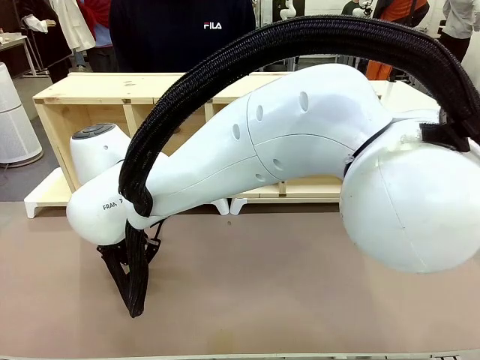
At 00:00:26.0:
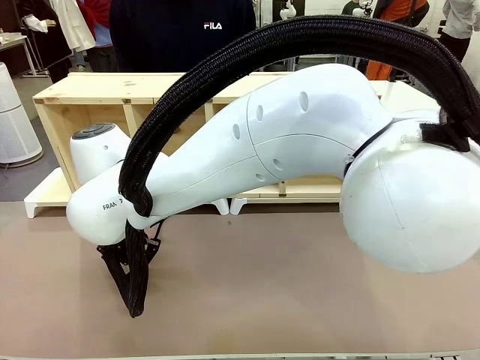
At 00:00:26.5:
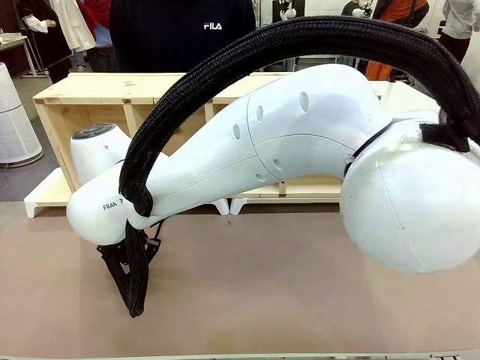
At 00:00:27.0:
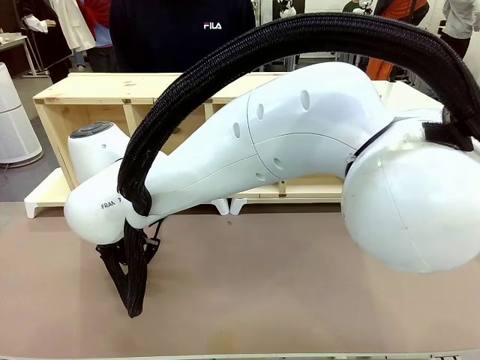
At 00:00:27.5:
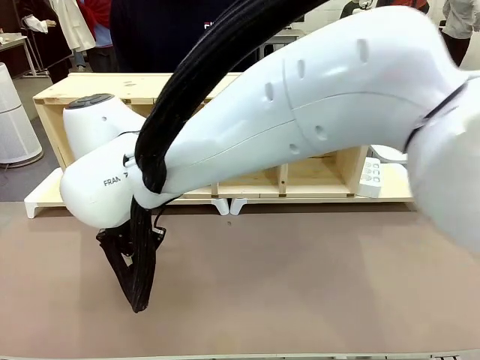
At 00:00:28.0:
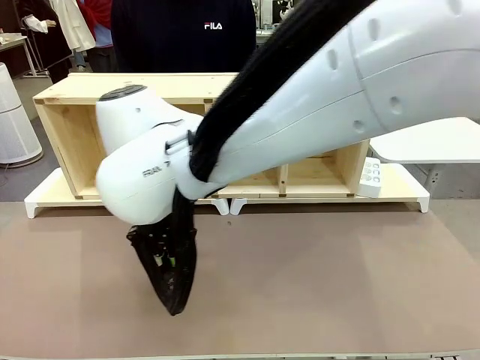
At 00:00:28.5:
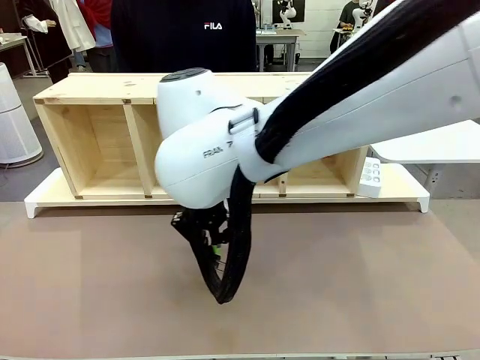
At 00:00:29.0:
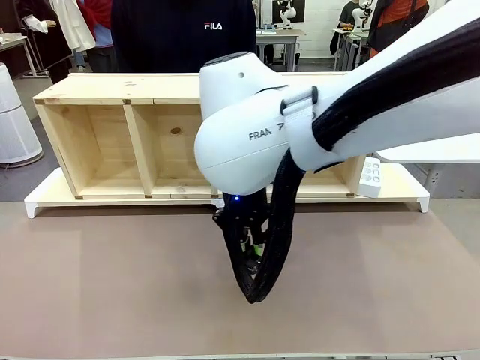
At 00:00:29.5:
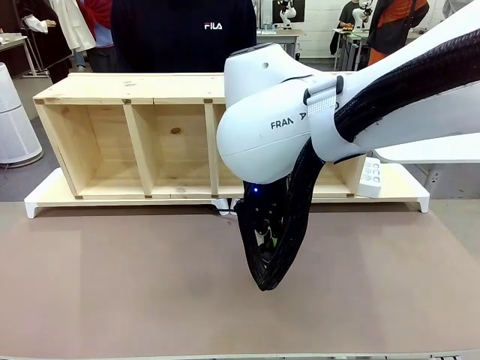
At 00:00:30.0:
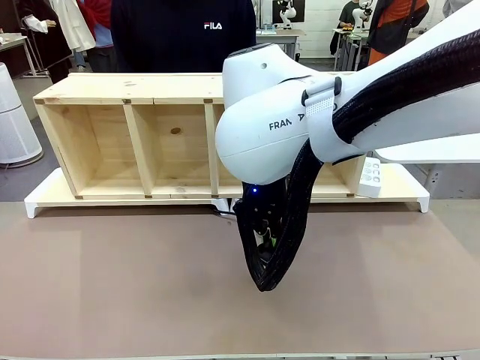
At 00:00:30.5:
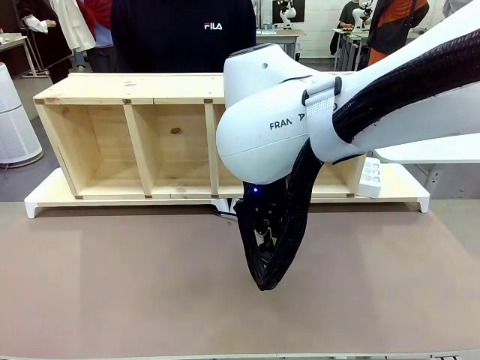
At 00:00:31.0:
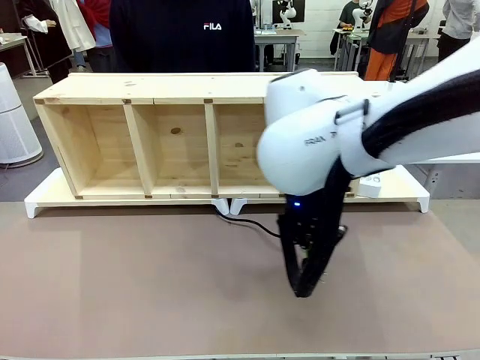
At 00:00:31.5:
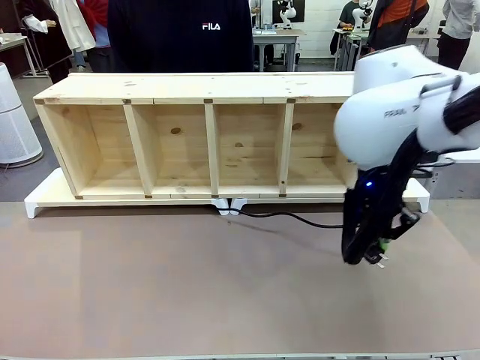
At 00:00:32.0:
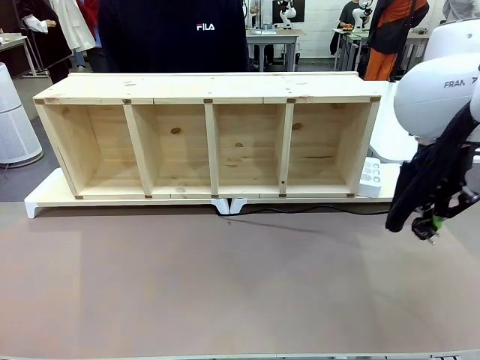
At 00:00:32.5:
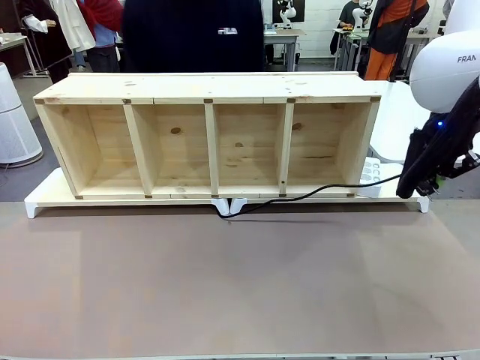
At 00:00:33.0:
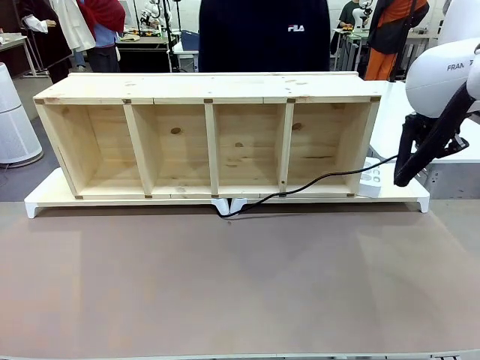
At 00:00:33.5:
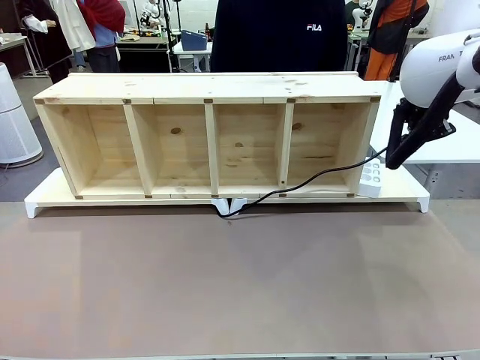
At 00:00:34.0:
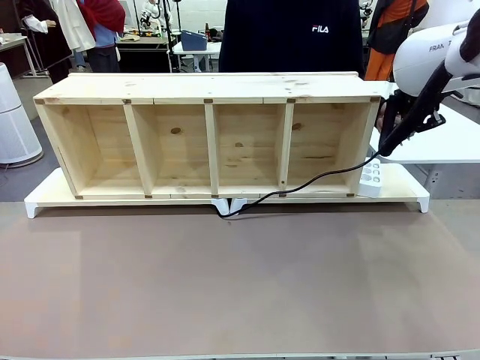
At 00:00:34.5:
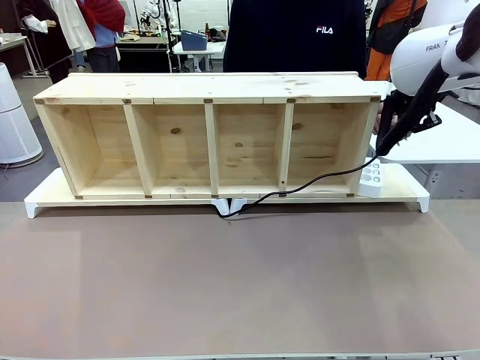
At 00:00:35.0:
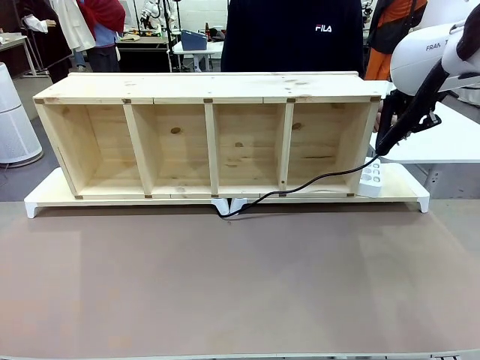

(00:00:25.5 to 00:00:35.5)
Task: Perform cable management.
Robot: Pull the grasped Power Cable to the location of the Power Strip.

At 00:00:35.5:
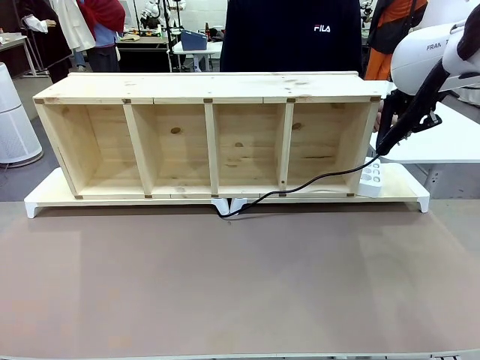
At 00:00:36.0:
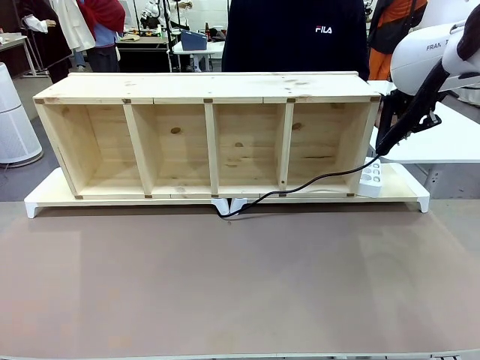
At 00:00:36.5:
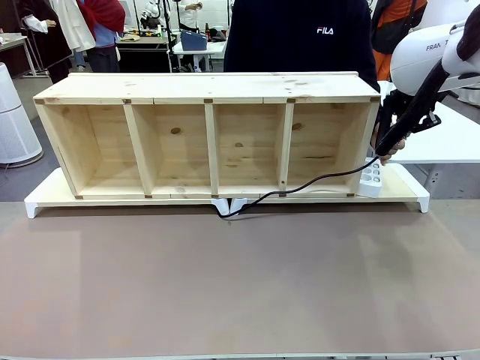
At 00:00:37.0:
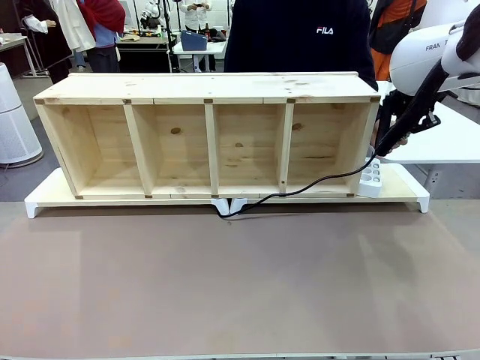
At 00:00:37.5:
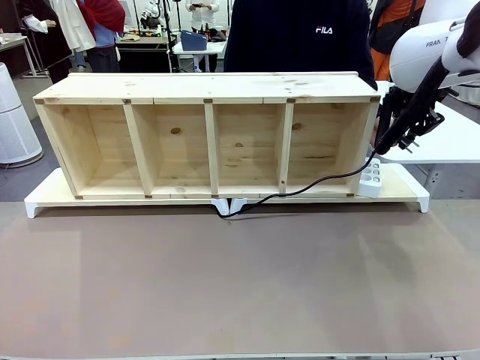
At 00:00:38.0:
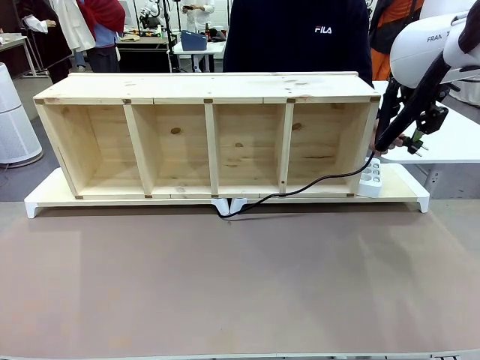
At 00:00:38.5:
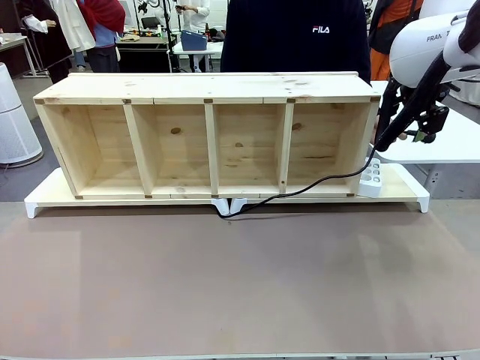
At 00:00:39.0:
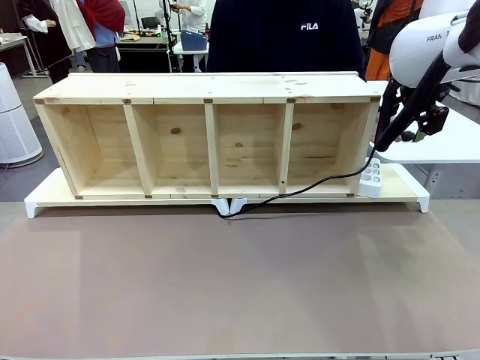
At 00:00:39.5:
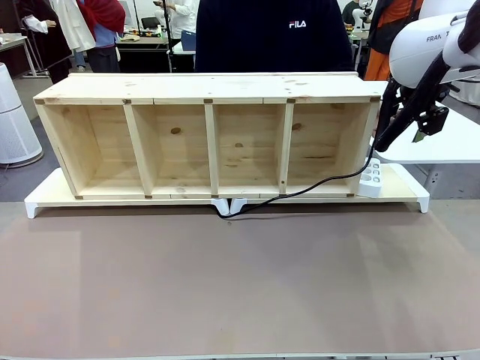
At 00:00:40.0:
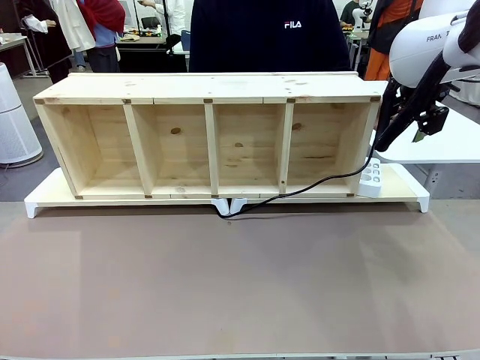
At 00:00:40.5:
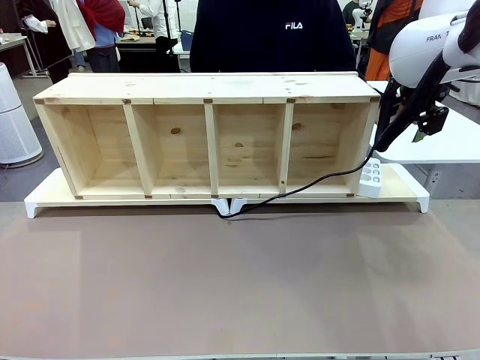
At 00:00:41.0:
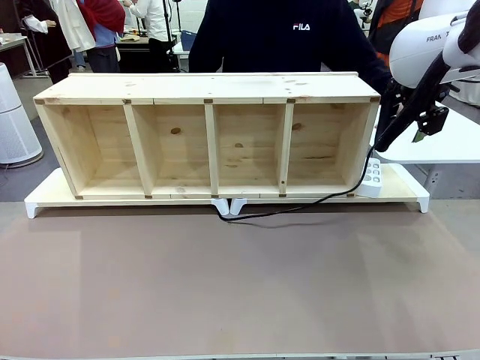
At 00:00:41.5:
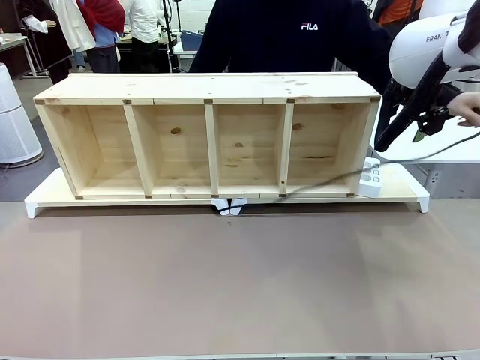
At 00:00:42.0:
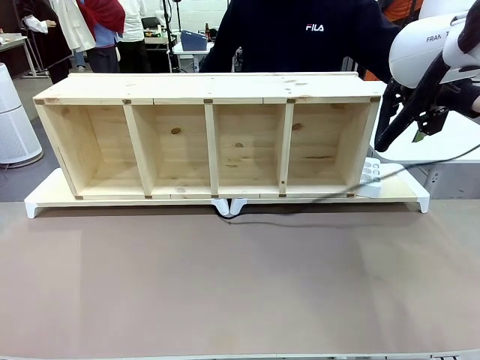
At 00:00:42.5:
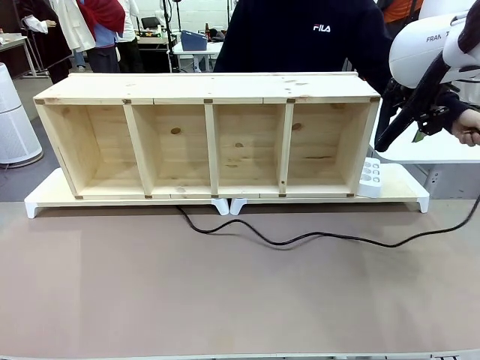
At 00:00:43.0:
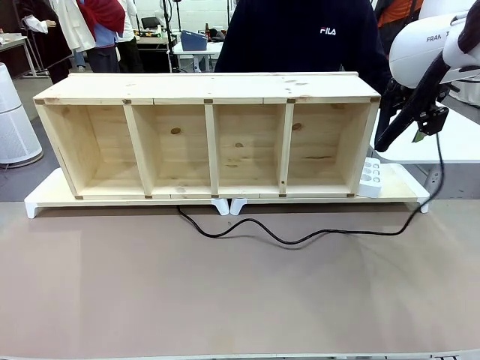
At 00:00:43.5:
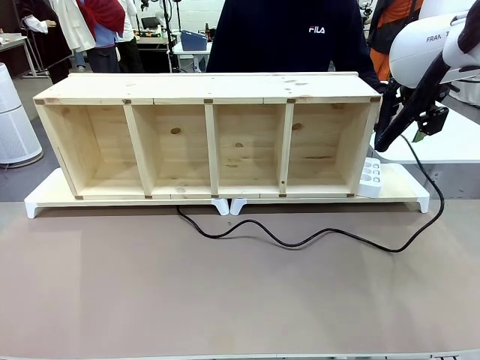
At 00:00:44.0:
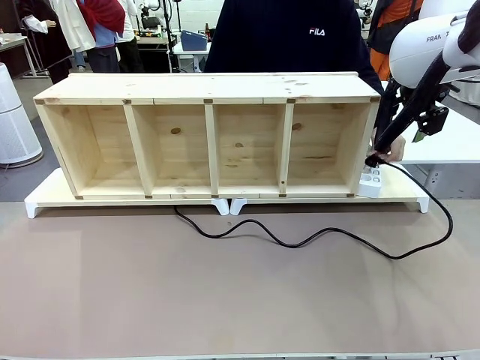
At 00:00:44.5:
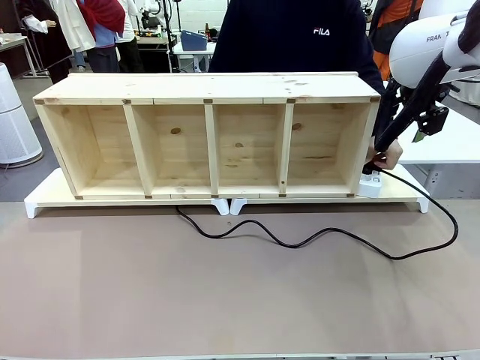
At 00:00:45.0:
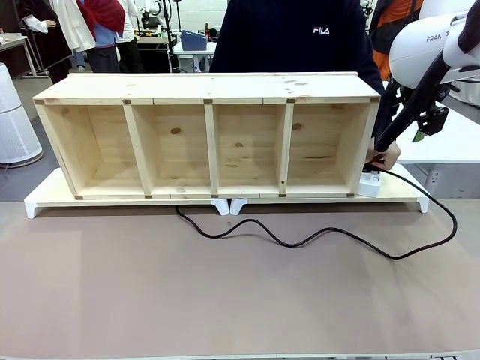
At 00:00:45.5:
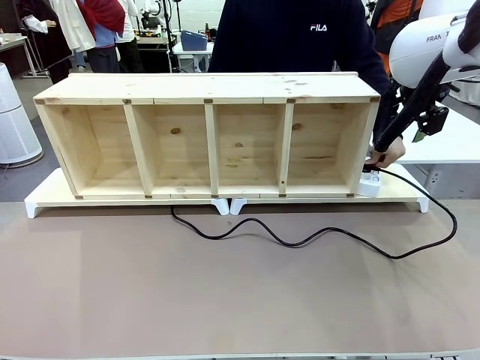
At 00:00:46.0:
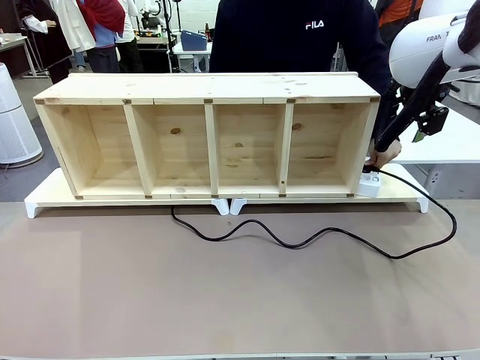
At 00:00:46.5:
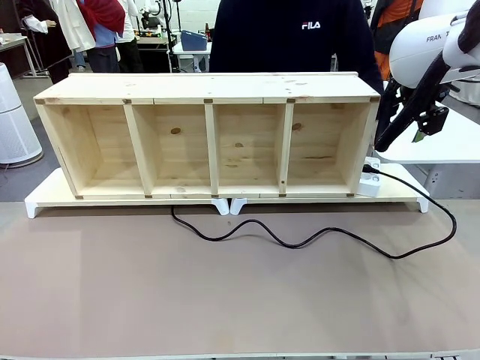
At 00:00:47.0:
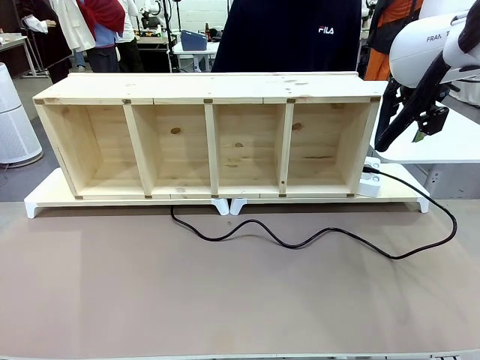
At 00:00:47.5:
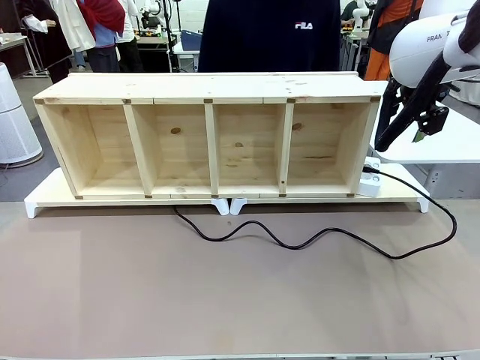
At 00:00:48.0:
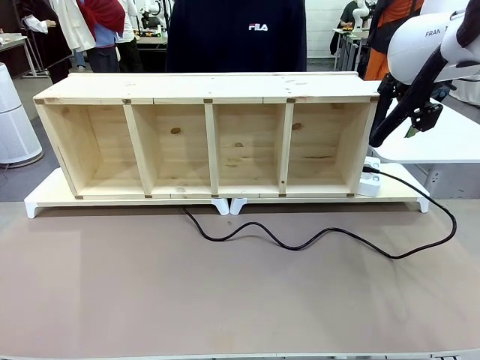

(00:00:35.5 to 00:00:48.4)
Robot: Release the Power Cable when the human grasps it.
Person: Plug the Power Cable into the Power Strip.

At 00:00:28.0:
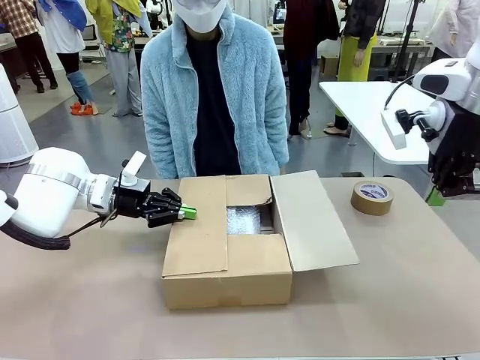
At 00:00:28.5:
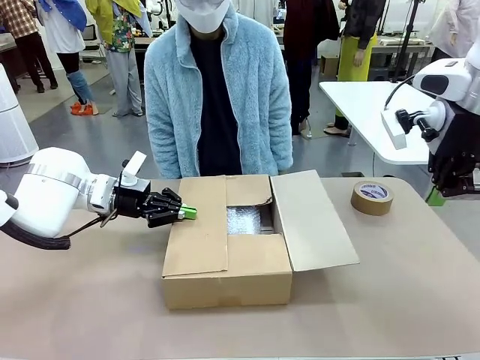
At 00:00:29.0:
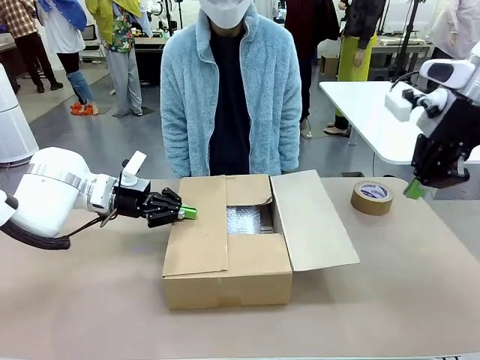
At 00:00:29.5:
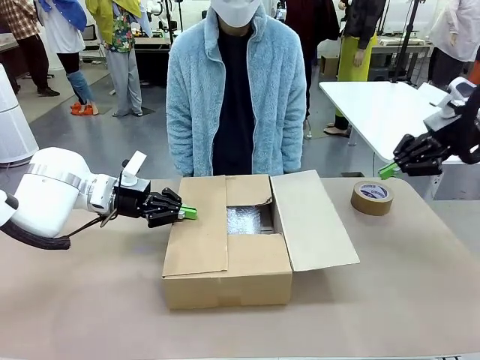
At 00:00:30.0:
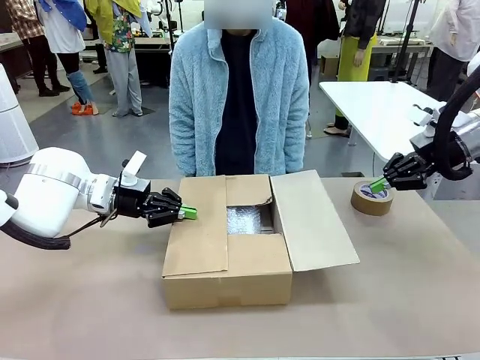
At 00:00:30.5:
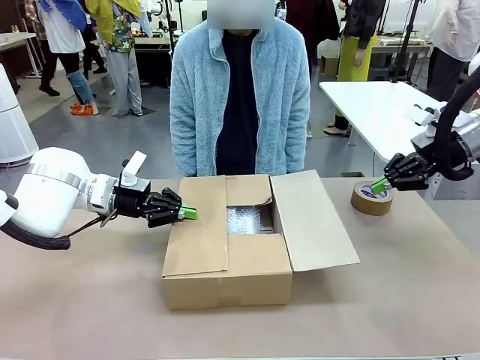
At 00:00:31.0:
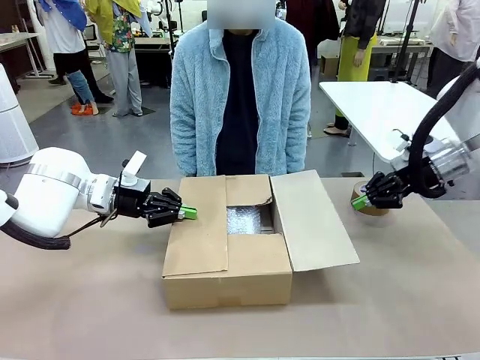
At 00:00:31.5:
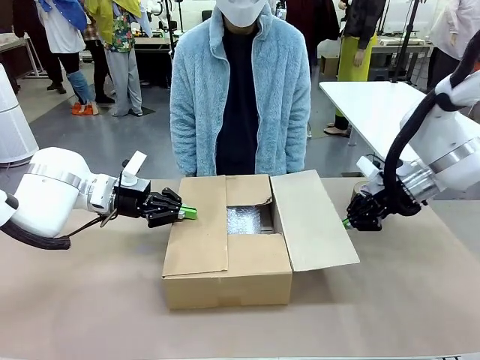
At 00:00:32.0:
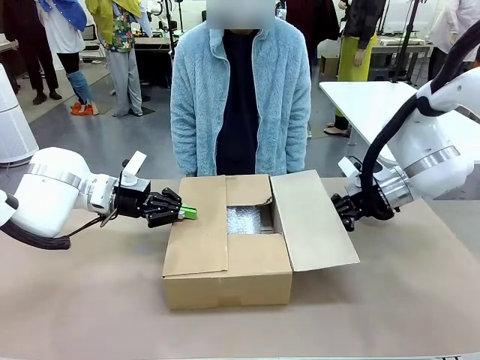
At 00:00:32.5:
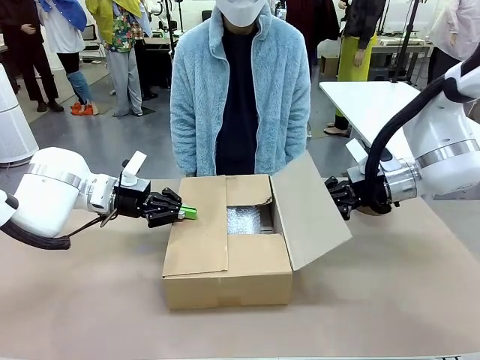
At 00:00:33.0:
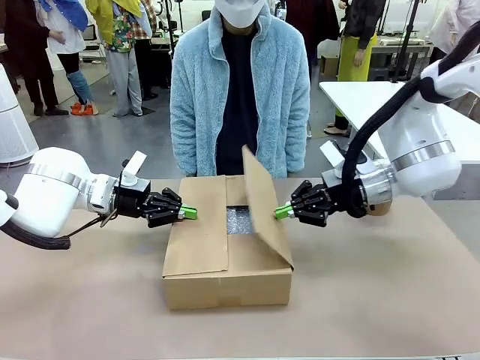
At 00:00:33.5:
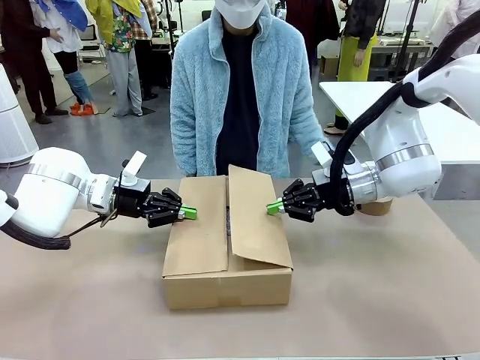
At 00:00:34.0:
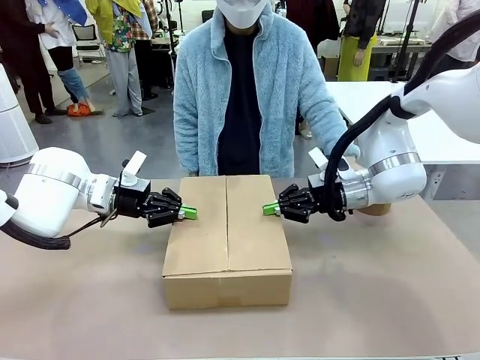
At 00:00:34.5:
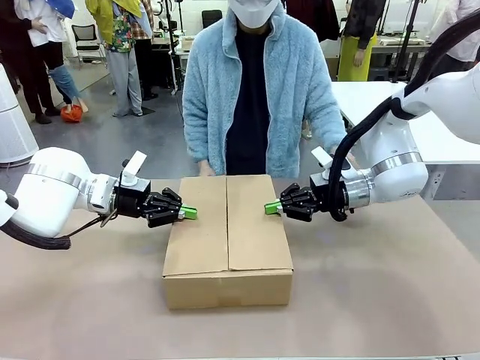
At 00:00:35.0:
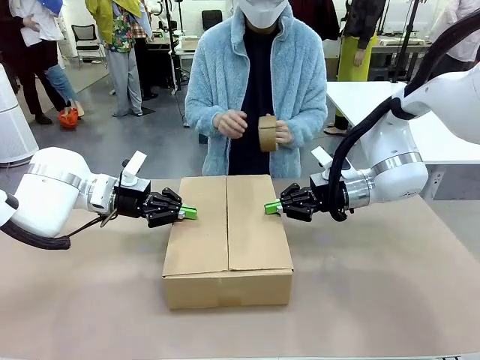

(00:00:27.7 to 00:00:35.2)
Task: Wrap the clocks to prevent damage.
Robot: Push the left (or right) flap of the Package Box to close it.
